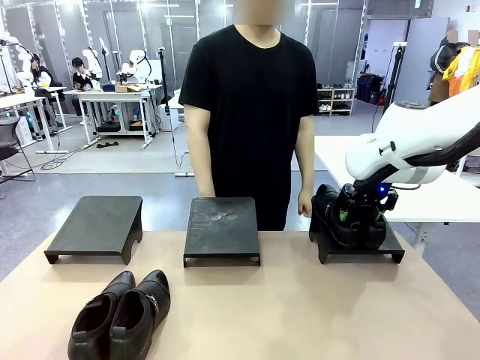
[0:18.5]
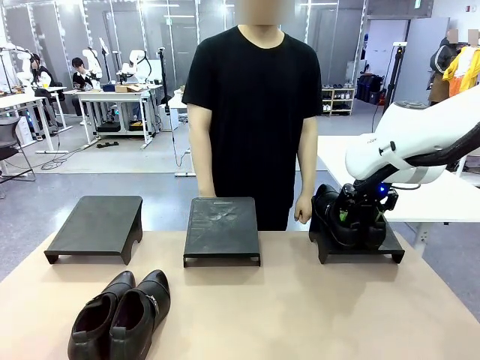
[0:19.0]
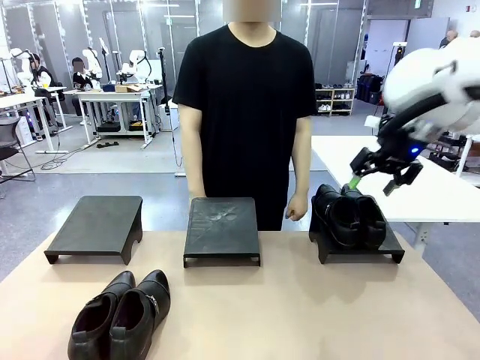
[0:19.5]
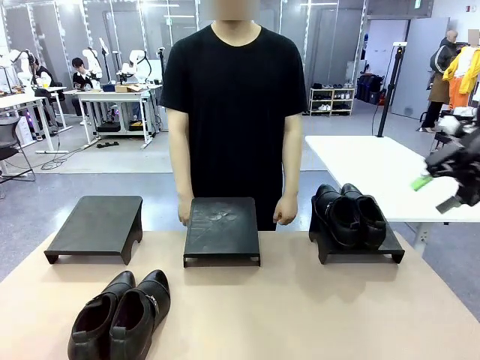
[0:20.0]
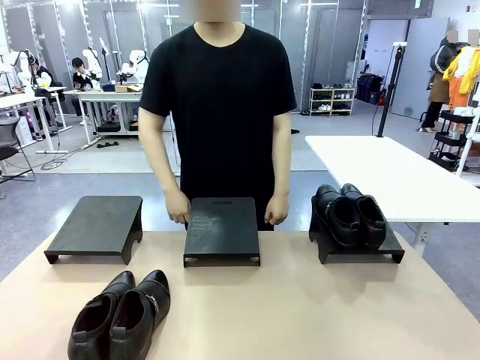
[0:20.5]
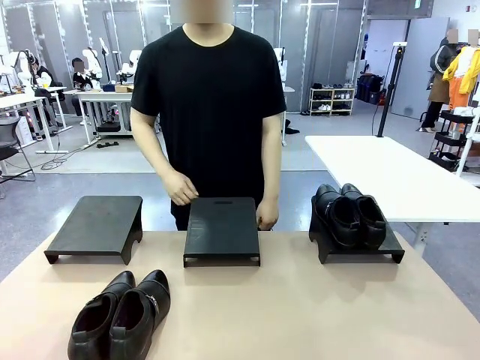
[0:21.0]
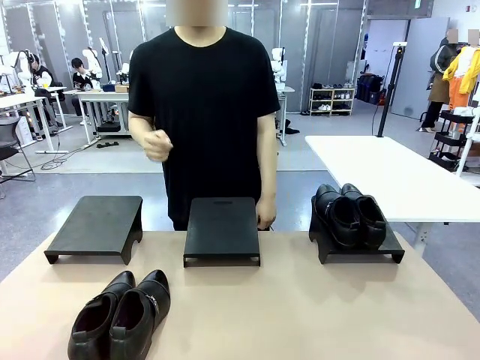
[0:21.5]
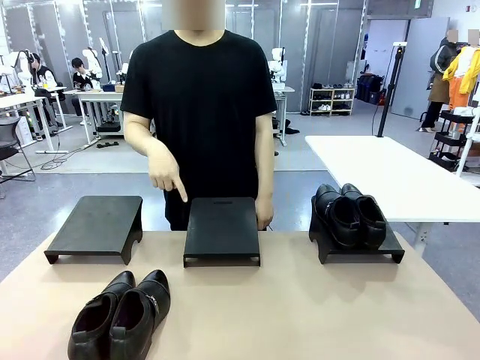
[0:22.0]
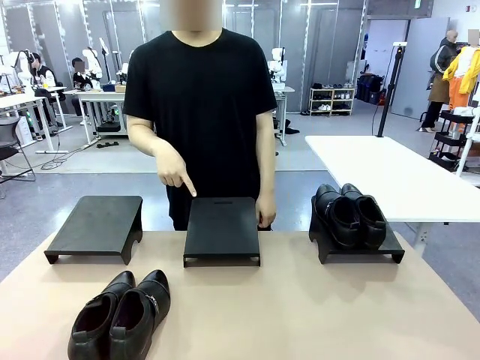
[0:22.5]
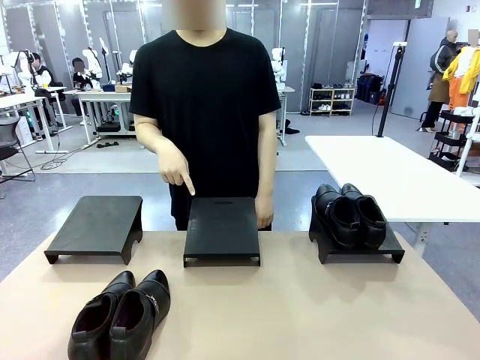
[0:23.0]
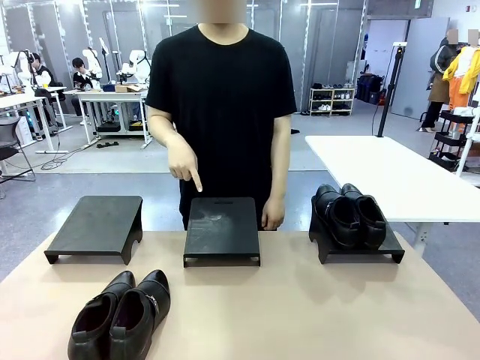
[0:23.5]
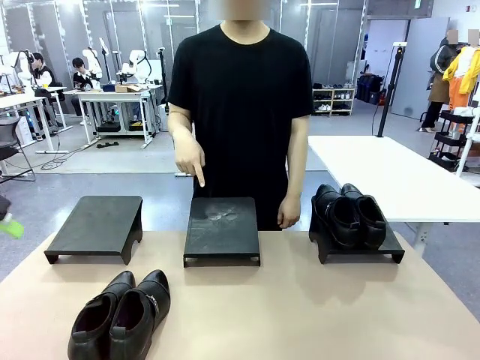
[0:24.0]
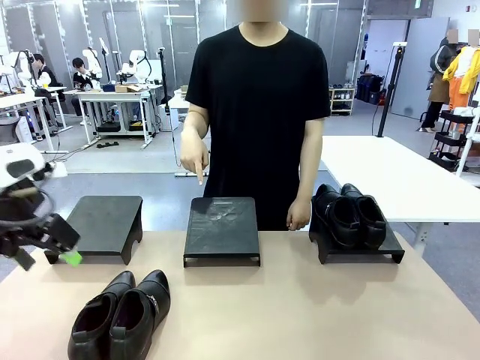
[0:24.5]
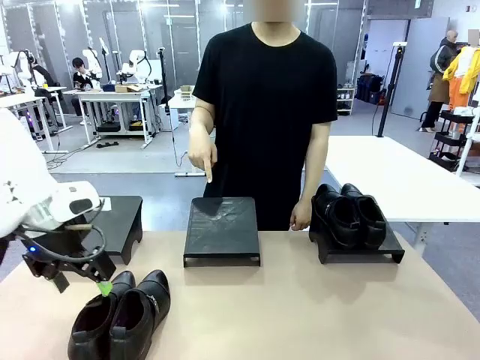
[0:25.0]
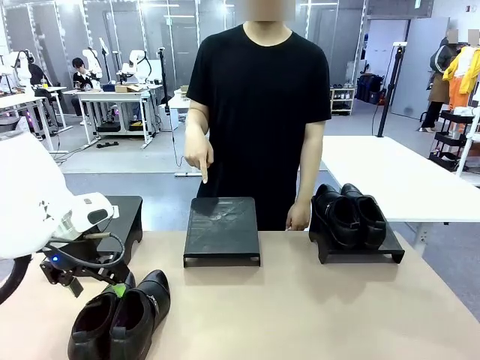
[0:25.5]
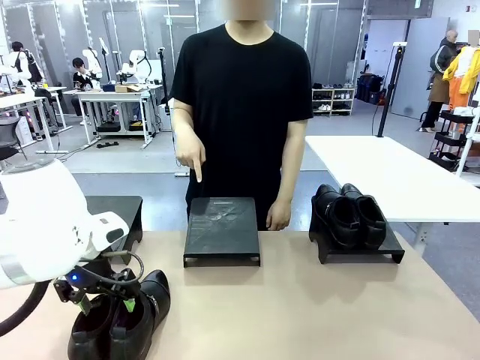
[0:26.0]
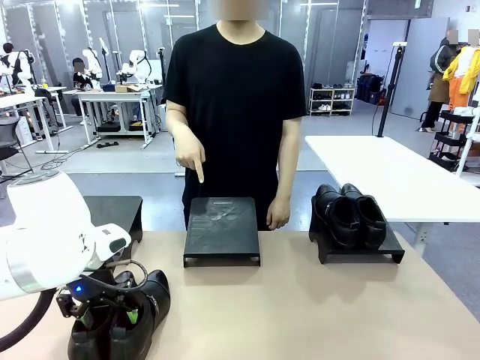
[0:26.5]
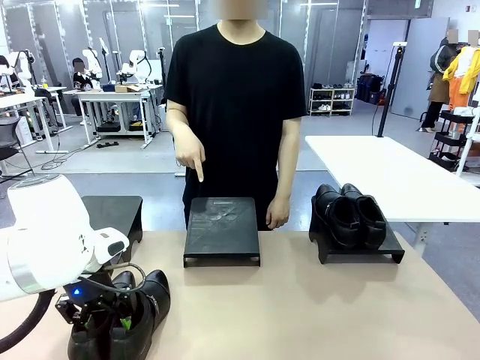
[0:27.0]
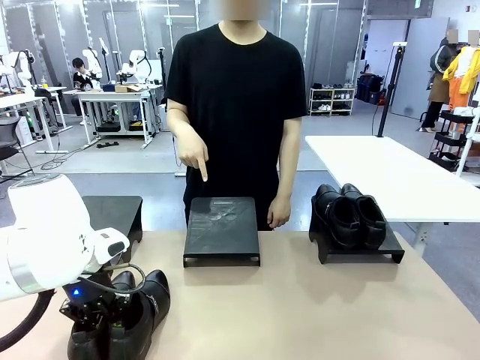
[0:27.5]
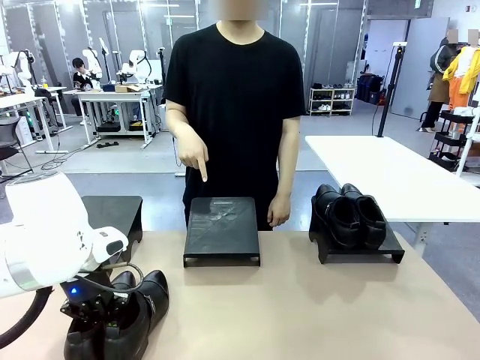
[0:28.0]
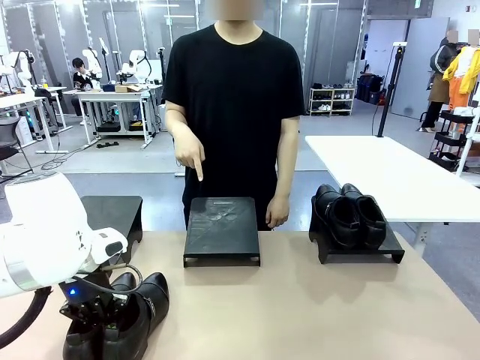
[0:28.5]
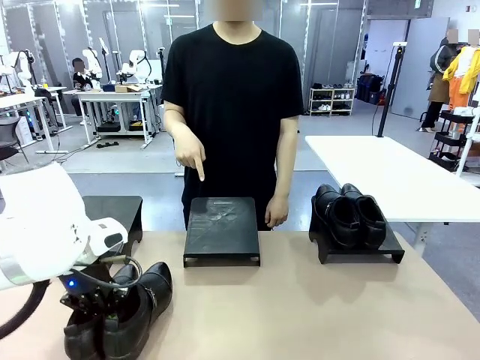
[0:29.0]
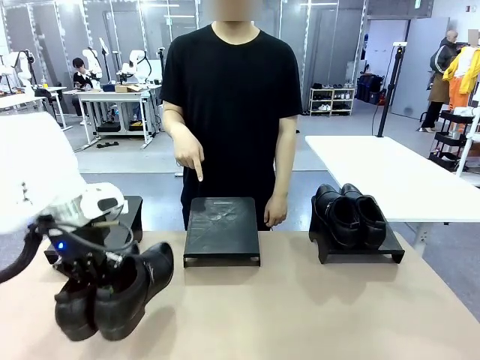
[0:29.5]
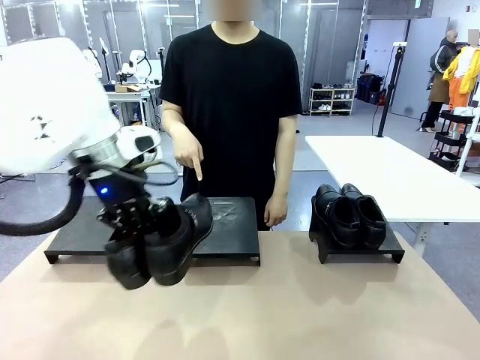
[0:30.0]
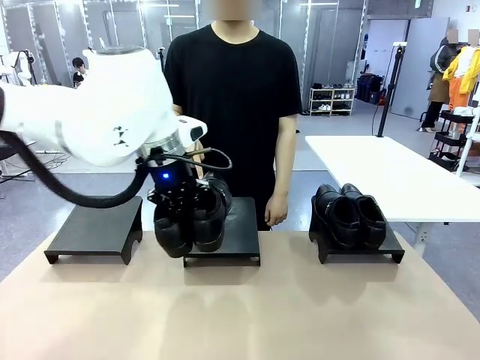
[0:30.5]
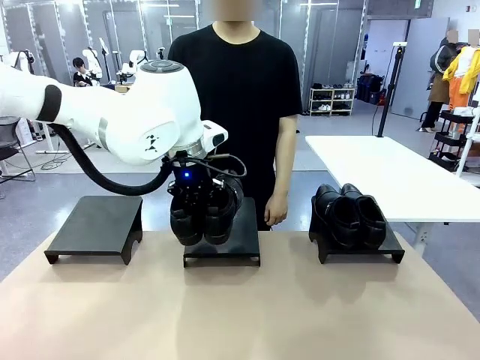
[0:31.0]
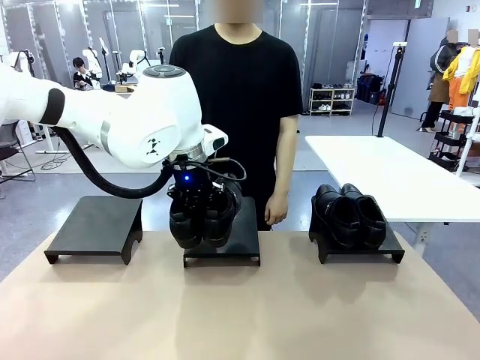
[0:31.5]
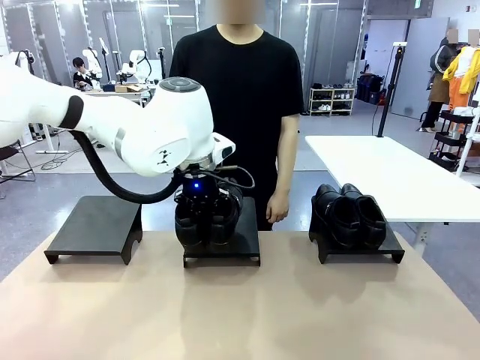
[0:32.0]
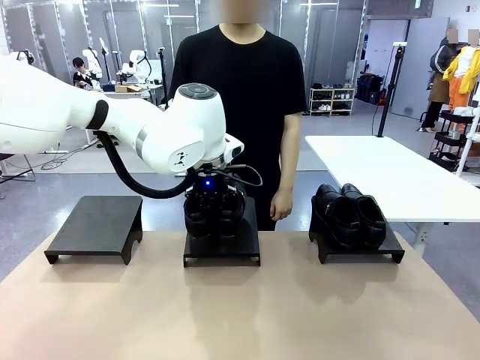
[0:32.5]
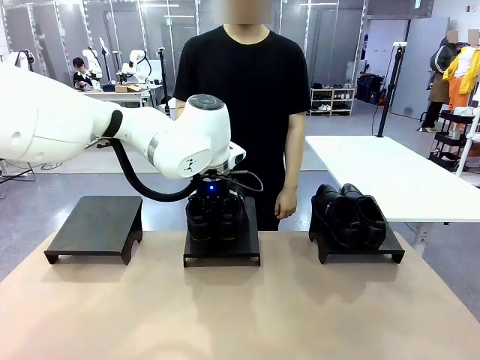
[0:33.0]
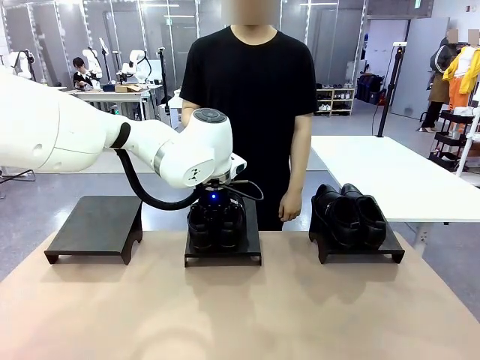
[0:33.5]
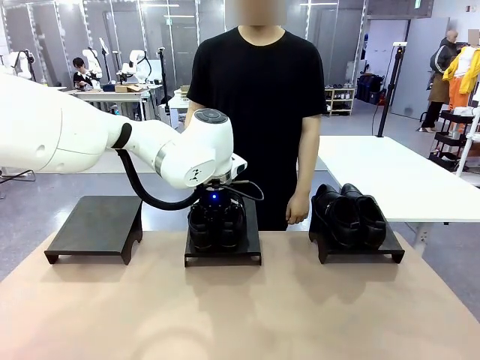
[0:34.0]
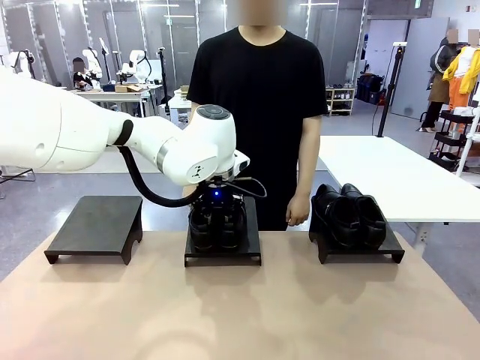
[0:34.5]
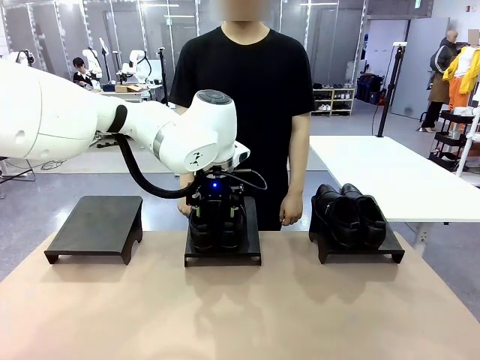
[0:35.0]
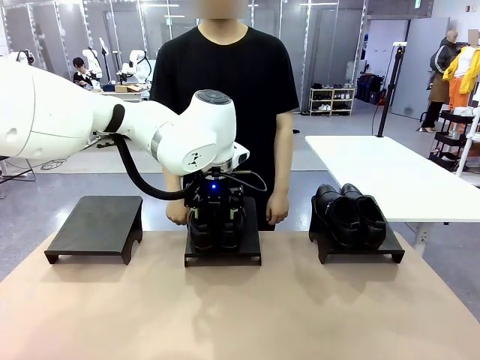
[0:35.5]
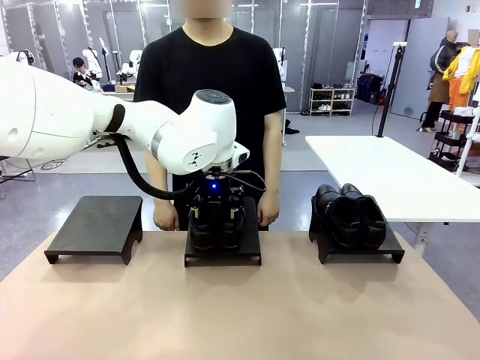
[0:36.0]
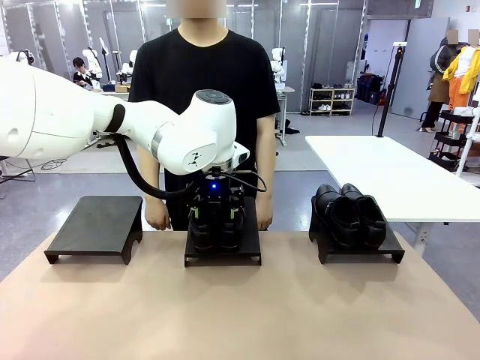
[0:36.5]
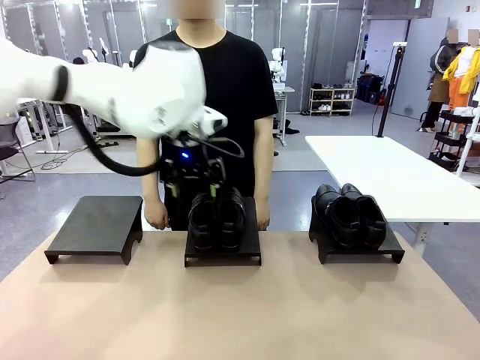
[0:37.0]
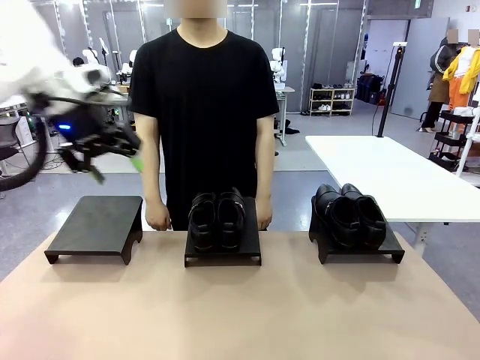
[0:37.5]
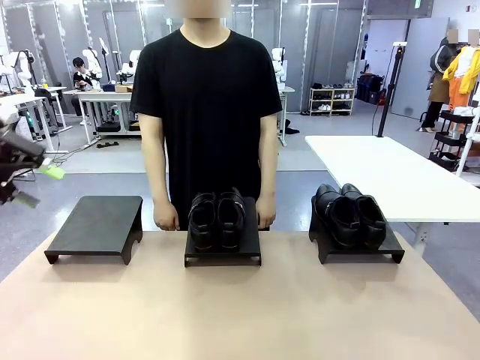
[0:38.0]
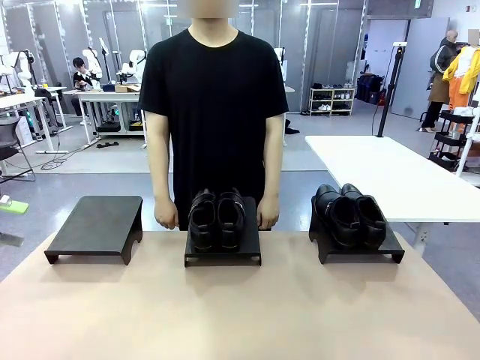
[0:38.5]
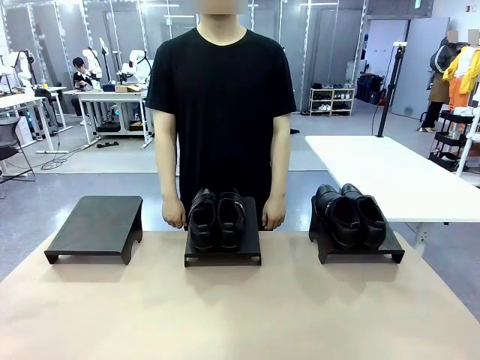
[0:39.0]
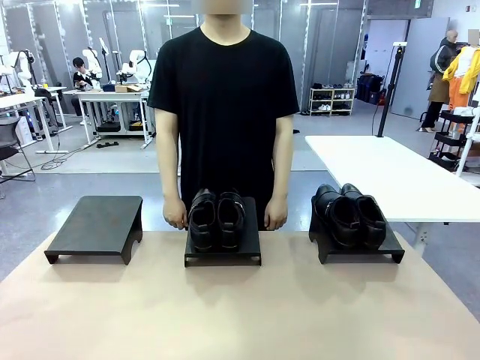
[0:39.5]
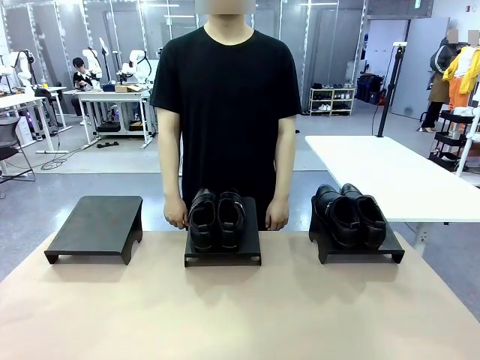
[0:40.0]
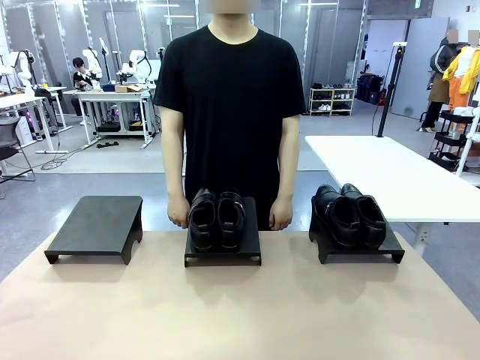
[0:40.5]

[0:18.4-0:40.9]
Task: Place the shoes on the stand as instructed by the person.
Robot: Pick up another pair of Shoes and place it on the Shoes Stand indicated by the person.
Person: Point to one Shoes Stand.

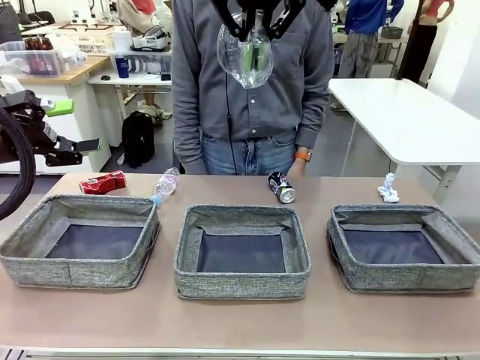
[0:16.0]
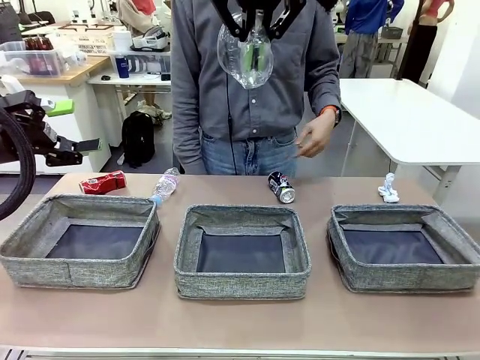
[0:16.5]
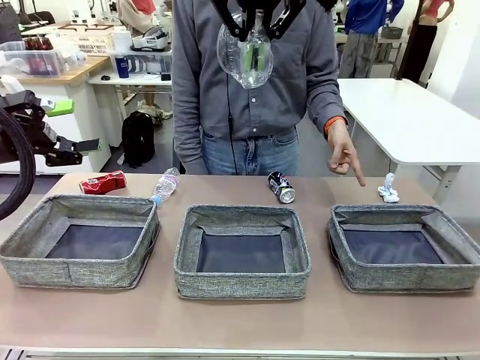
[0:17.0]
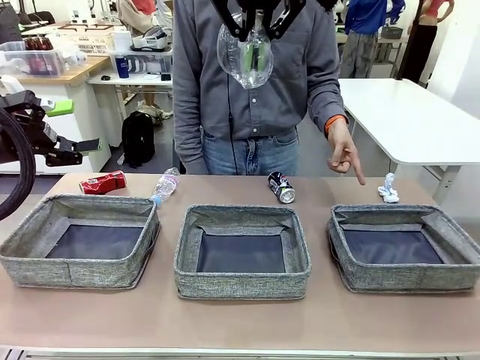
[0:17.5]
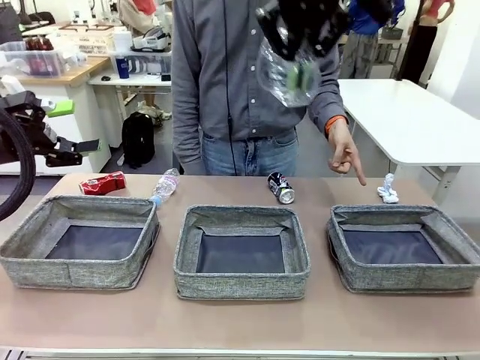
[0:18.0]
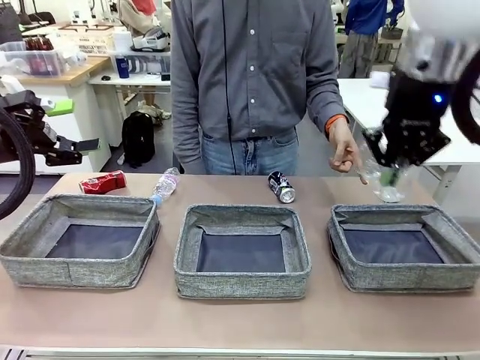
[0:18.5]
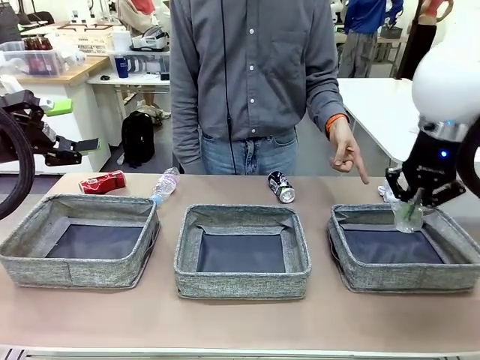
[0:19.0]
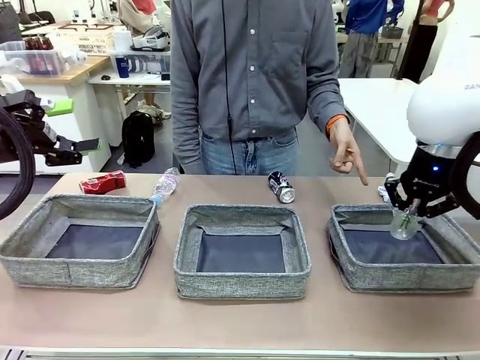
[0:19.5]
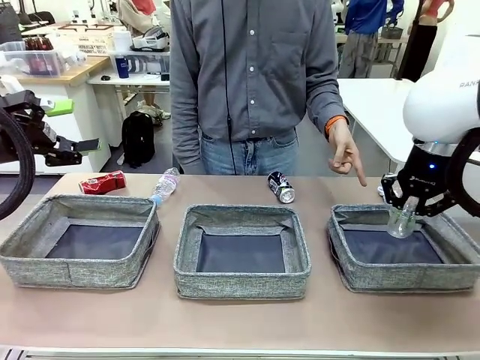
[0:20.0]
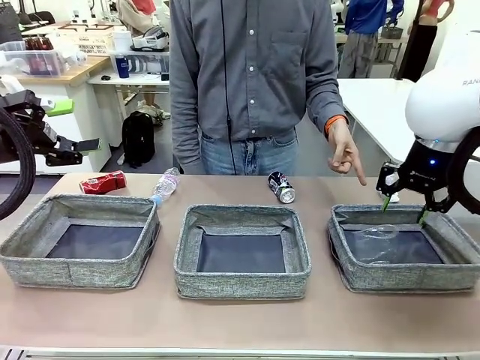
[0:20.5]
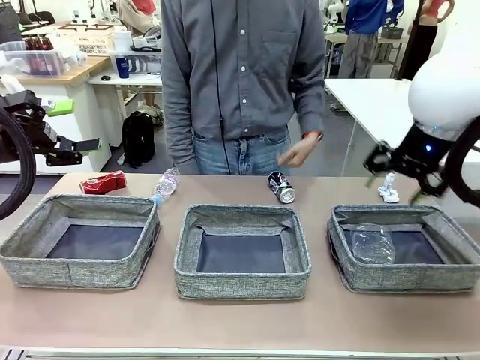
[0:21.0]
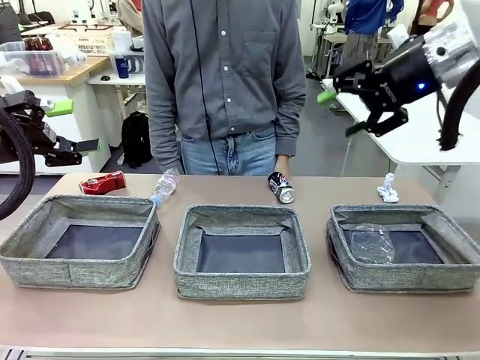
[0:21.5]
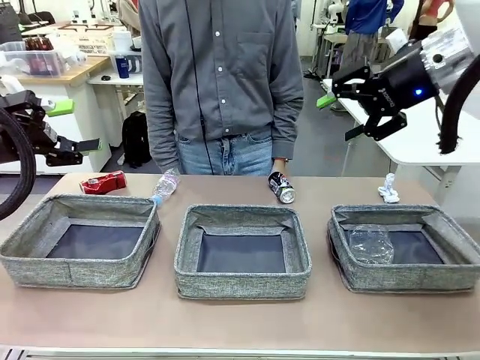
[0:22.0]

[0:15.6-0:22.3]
Task: Sort the waste into the appropriate baskets.
Robot: Place the picked waste into the Fabric basket indicated by the person.
Person: Instructs the robot to place the picked-up trash into the appropriate organizing basket.
